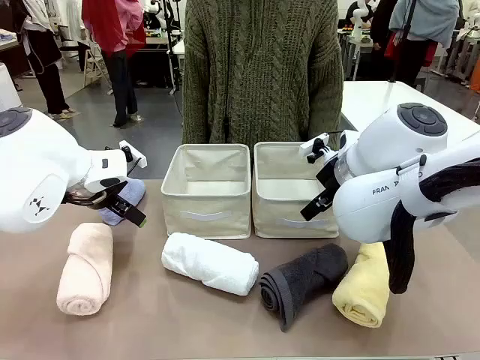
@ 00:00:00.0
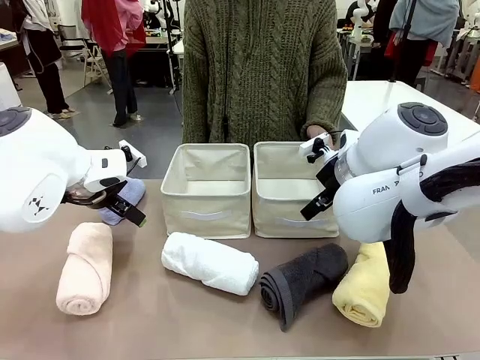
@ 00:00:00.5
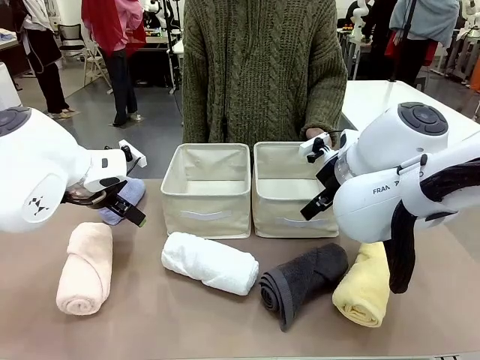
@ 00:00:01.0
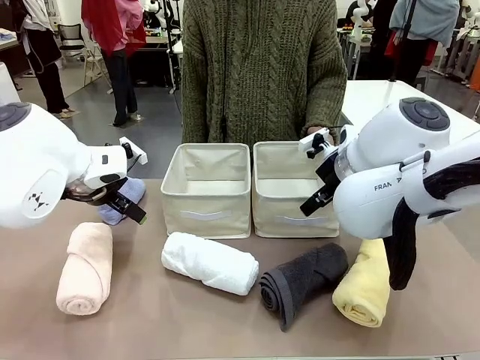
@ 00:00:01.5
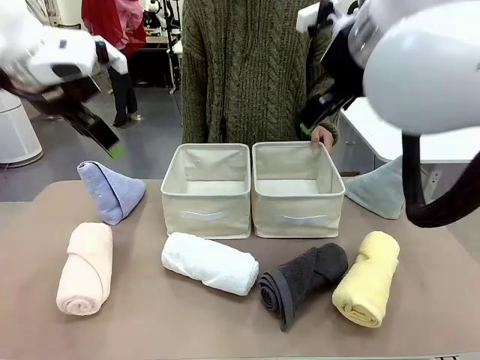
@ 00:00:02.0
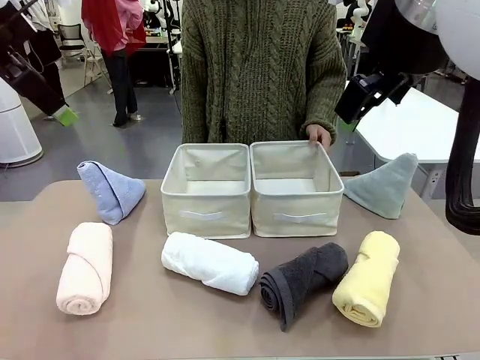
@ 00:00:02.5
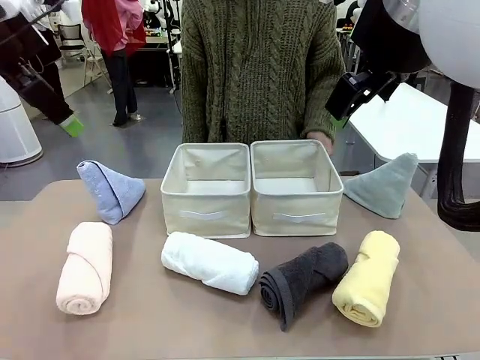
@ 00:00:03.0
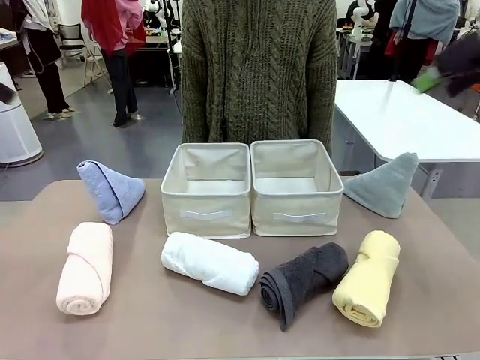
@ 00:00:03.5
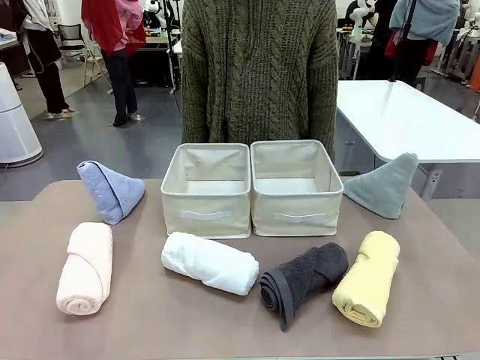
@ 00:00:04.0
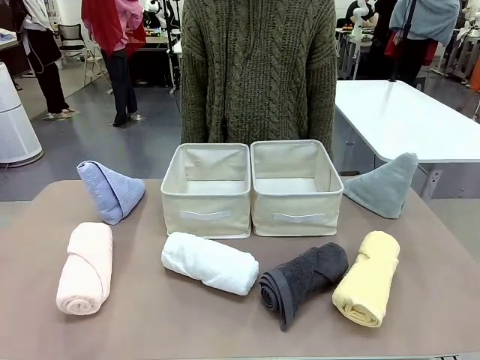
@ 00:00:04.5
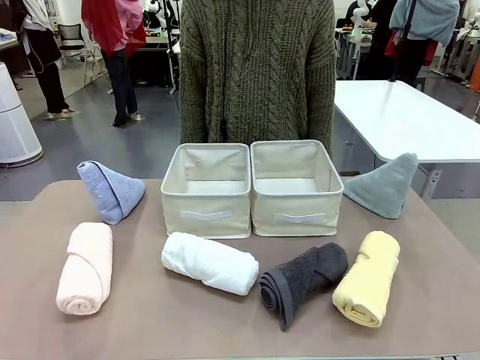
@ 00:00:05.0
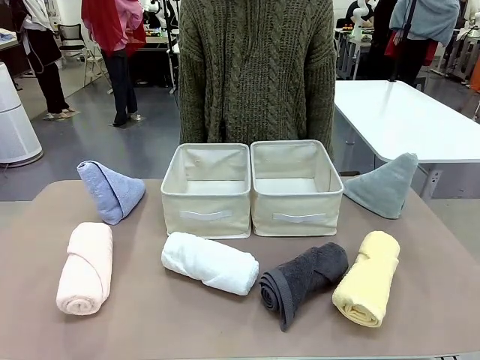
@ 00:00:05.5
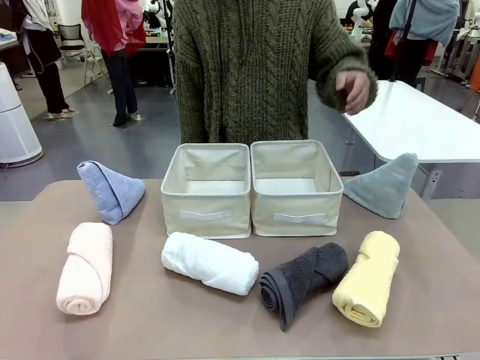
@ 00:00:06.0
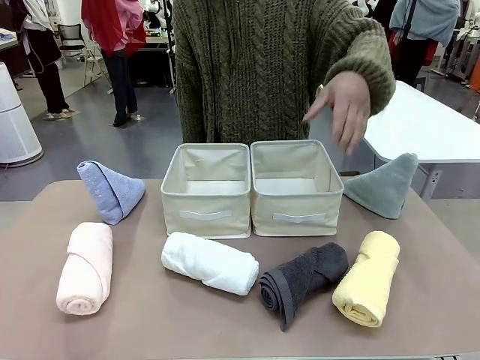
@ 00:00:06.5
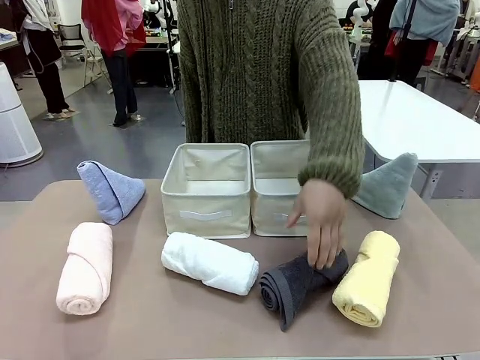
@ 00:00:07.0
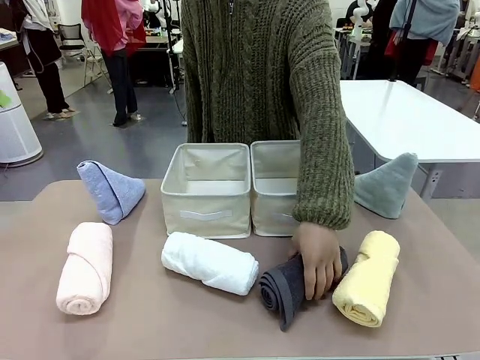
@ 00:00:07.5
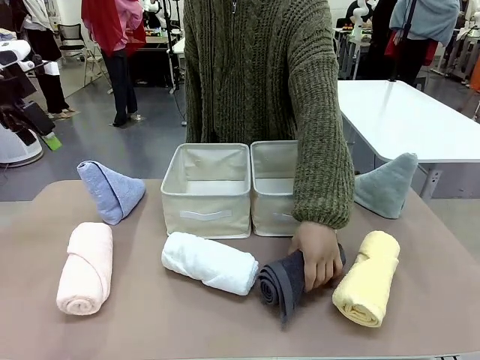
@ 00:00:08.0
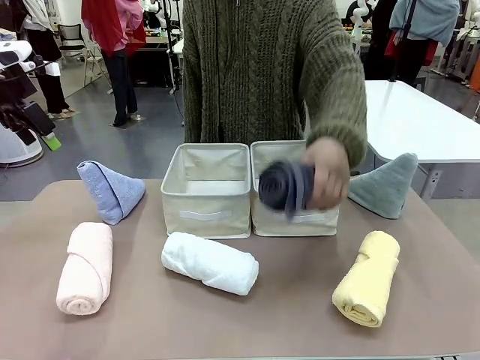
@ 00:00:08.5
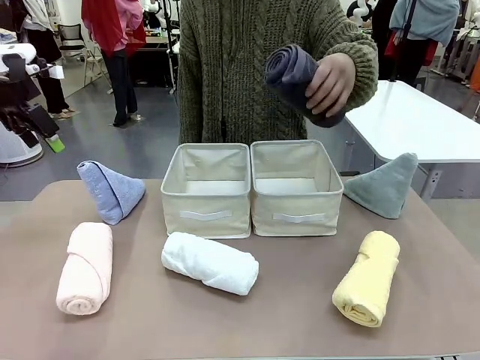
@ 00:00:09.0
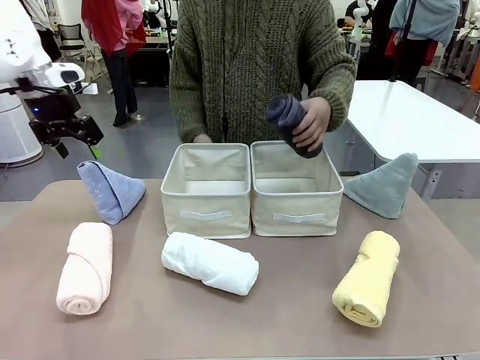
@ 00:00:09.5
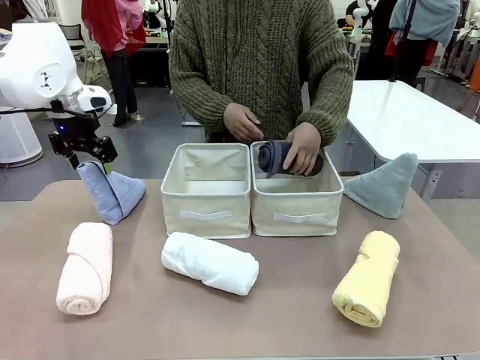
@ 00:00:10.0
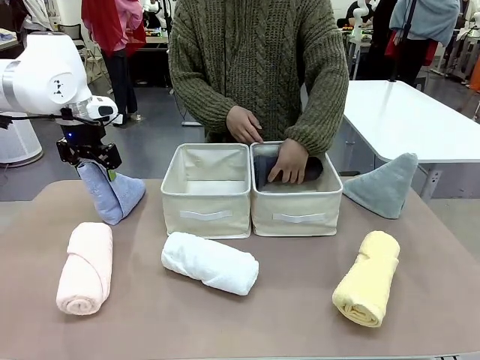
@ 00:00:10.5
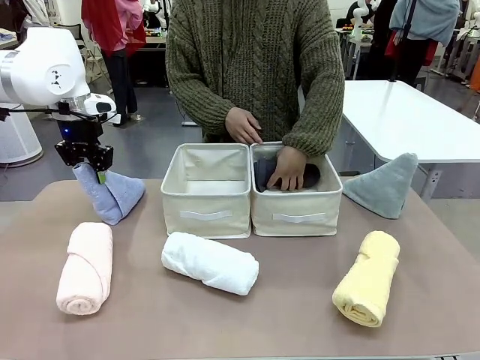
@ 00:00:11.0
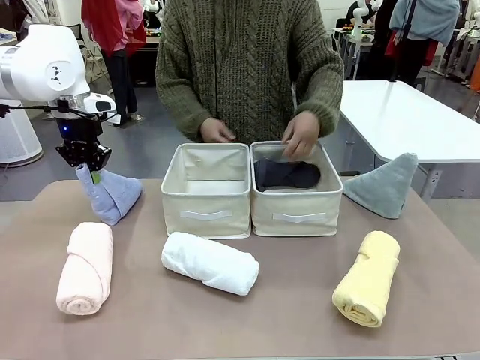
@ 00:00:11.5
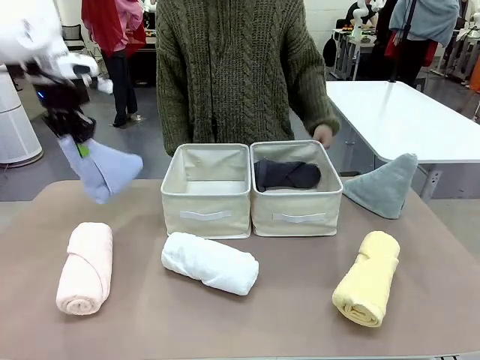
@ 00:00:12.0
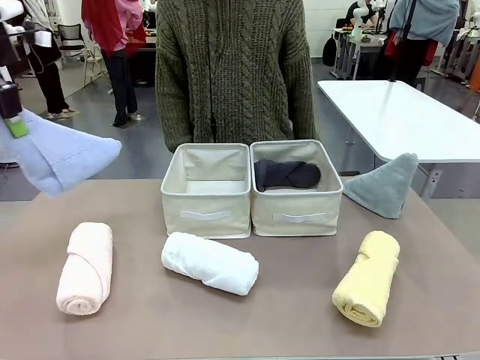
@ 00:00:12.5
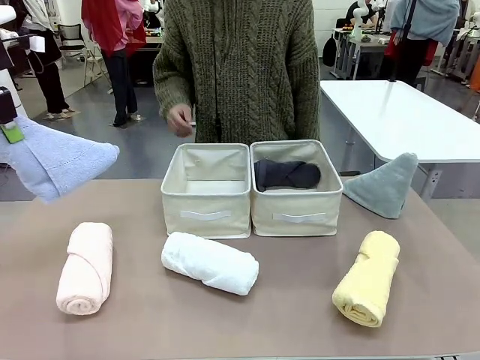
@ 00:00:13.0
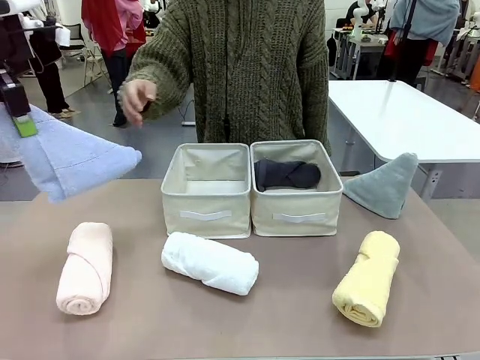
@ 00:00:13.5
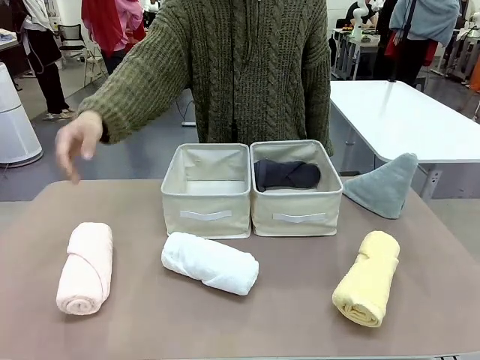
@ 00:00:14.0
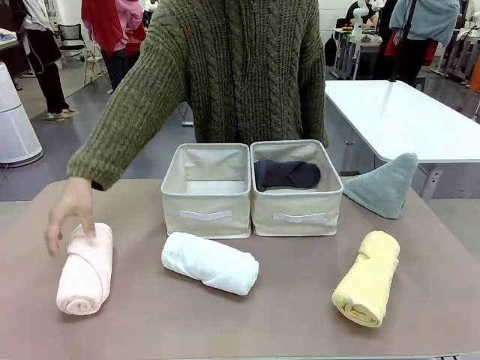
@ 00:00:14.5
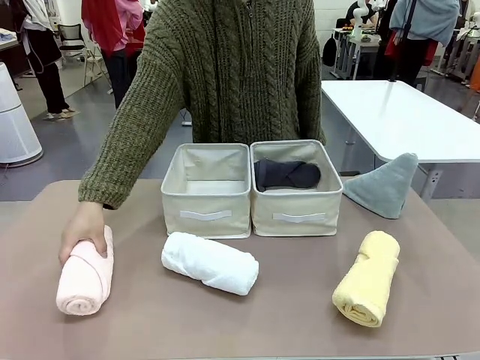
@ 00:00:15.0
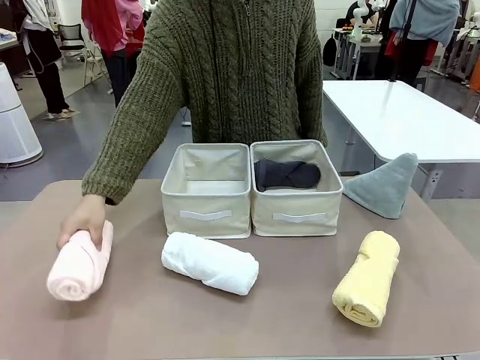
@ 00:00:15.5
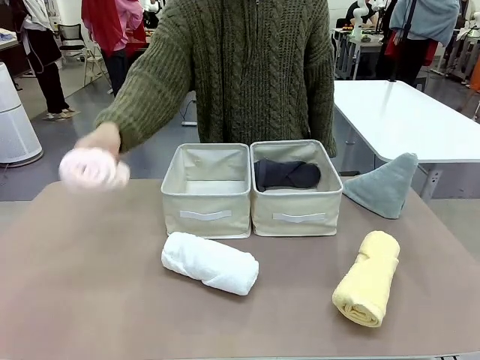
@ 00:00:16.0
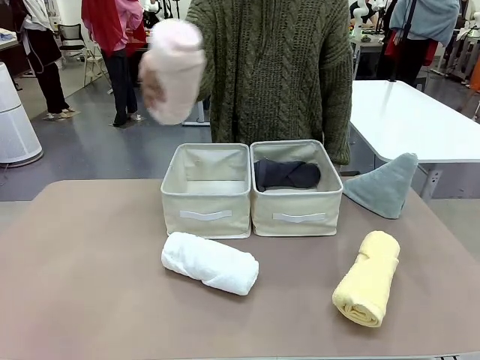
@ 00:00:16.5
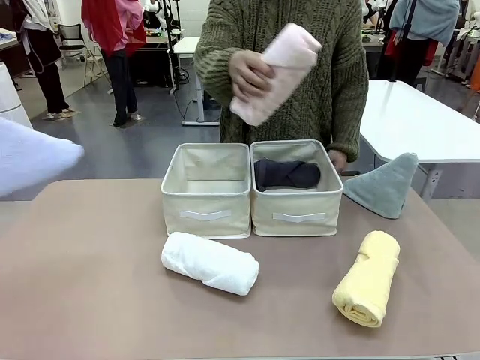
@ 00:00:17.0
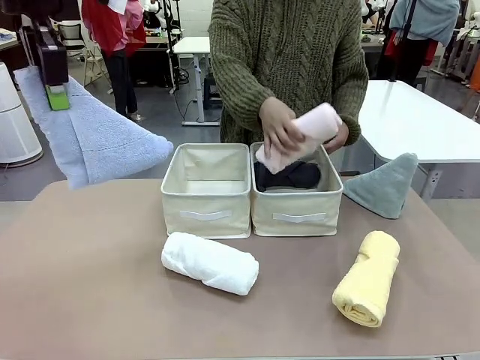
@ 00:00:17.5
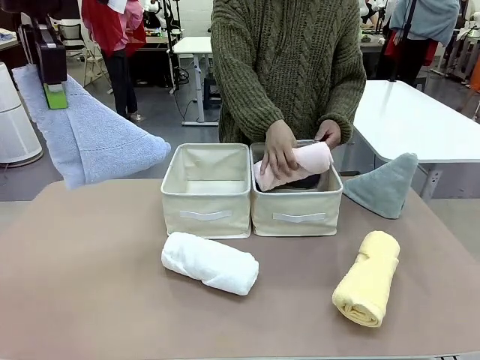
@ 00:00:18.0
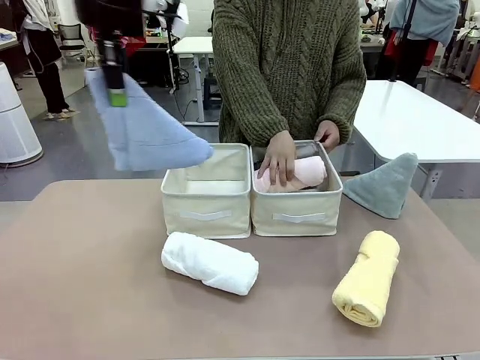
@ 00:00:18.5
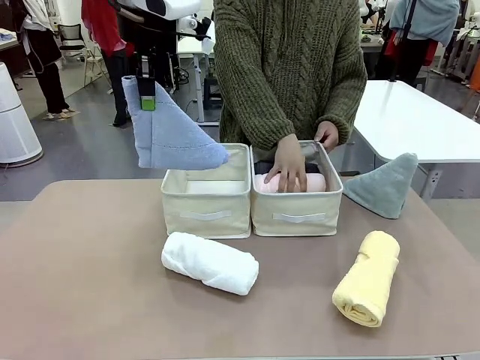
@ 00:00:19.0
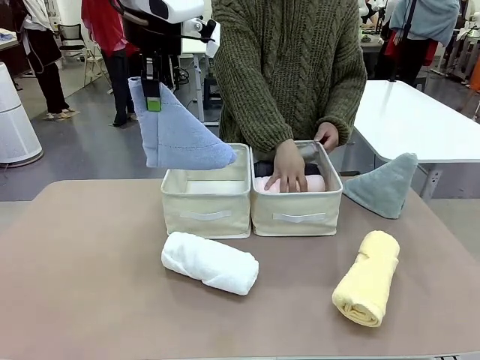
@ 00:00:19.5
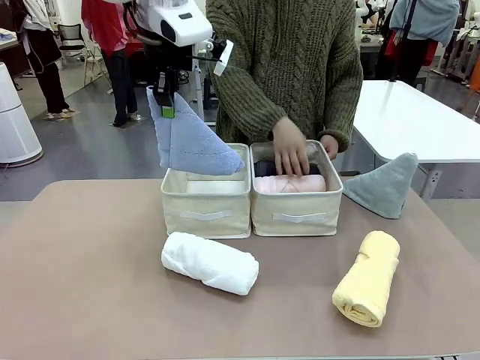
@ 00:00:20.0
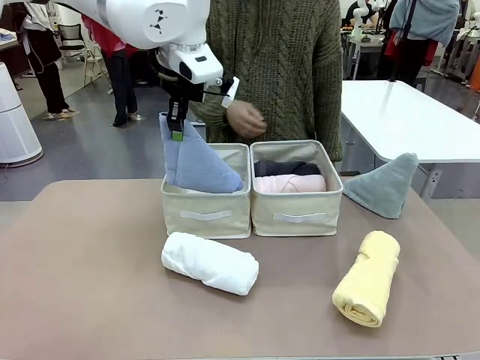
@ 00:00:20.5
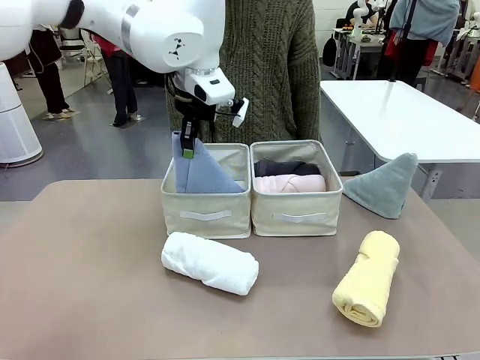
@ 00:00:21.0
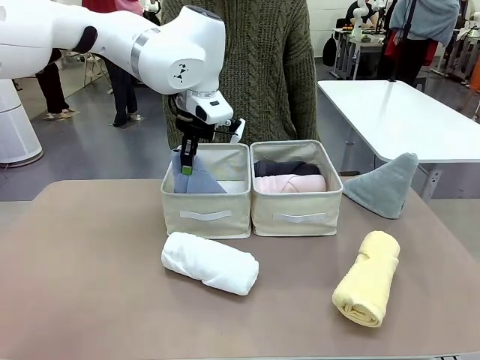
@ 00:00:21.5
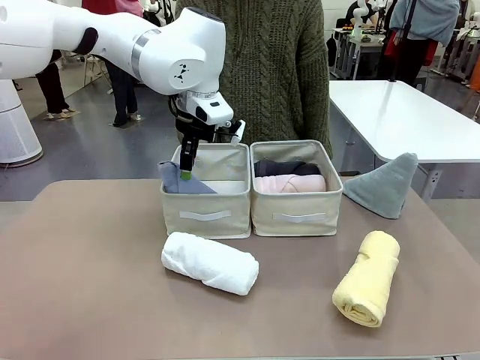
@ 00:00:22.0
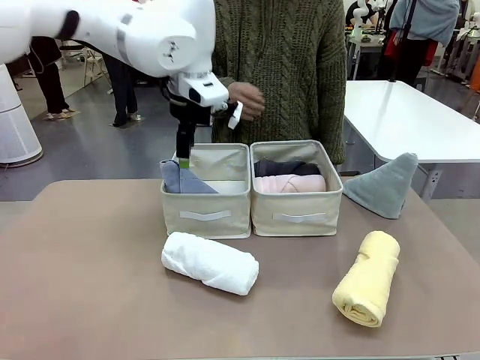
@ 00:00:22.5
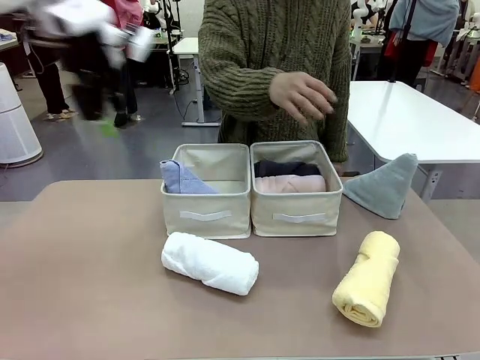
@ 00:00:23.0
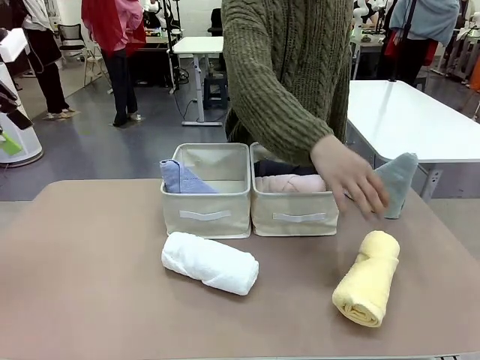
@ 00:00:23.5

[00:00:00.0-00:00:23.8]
Task: Sort the towels based on their folding style.
Robot: Pick up one triangle-folded towel and place it in the left Fabric basket.
Person: Pick up one hotel-style rolled towel and place it in the left fabric basket.
